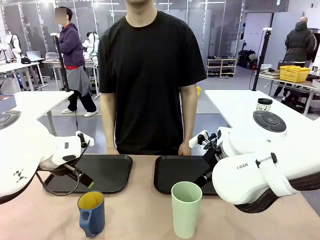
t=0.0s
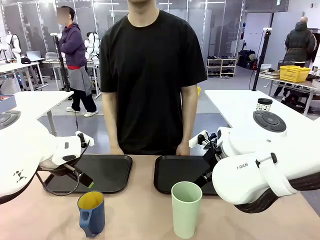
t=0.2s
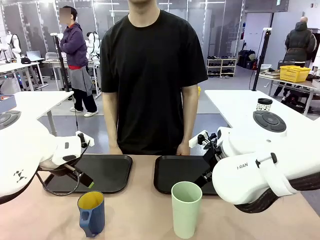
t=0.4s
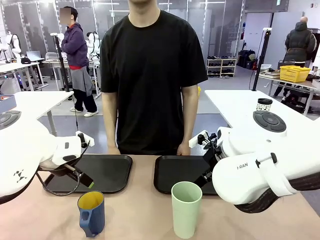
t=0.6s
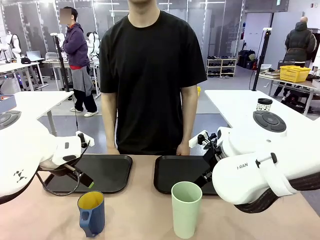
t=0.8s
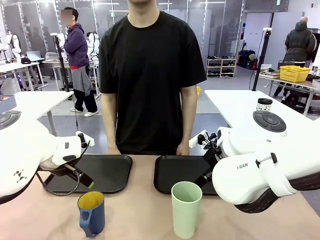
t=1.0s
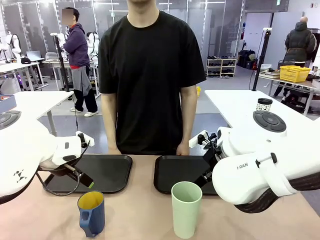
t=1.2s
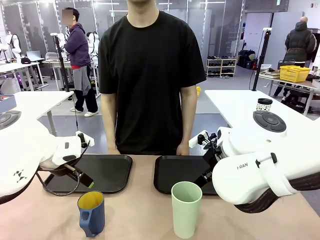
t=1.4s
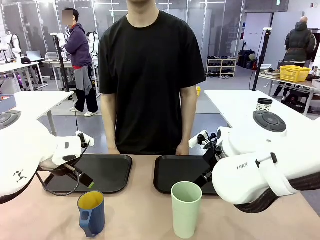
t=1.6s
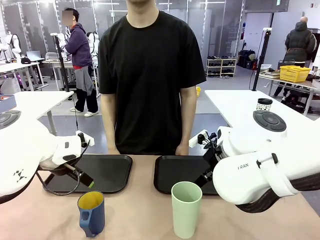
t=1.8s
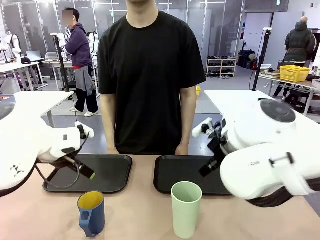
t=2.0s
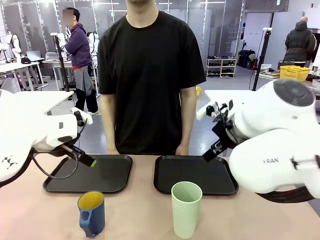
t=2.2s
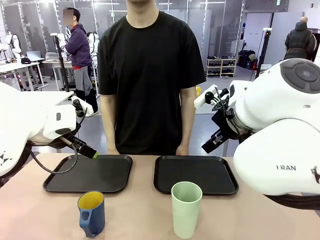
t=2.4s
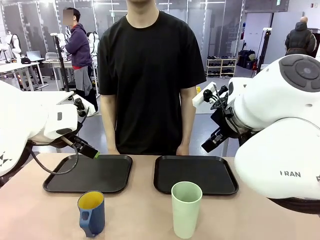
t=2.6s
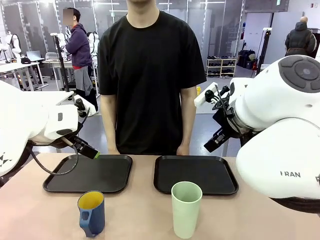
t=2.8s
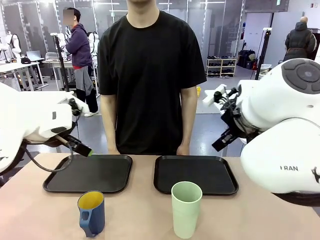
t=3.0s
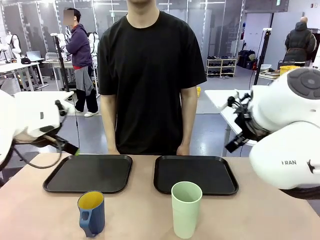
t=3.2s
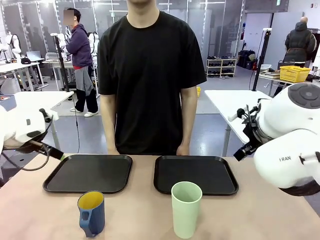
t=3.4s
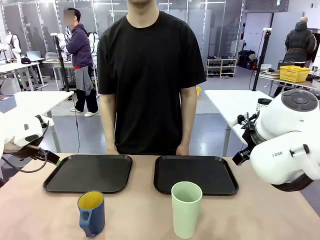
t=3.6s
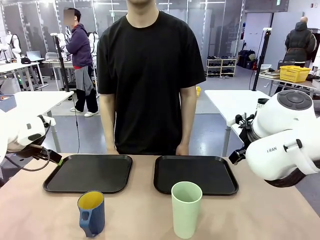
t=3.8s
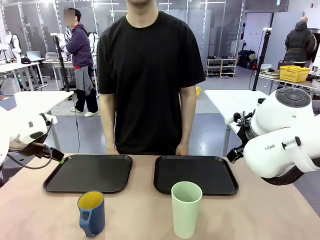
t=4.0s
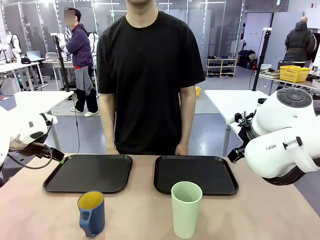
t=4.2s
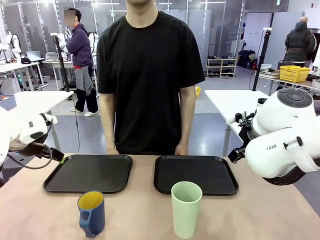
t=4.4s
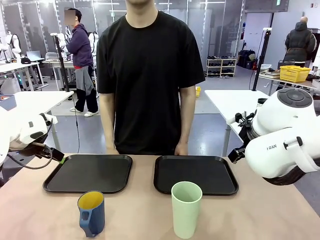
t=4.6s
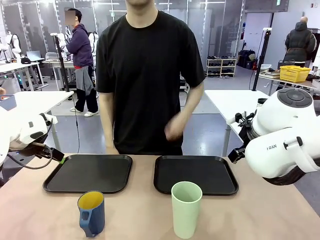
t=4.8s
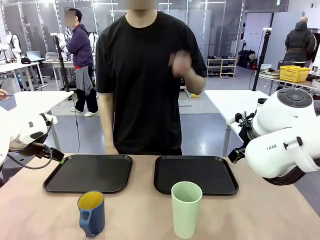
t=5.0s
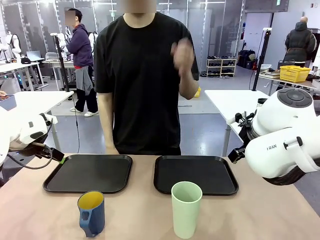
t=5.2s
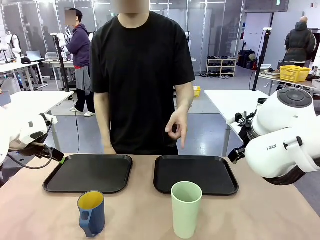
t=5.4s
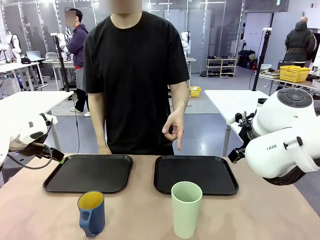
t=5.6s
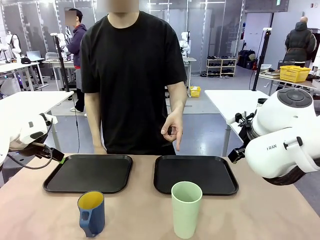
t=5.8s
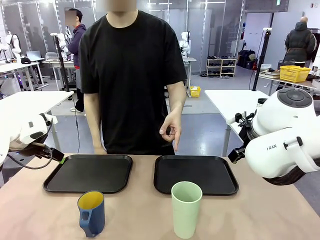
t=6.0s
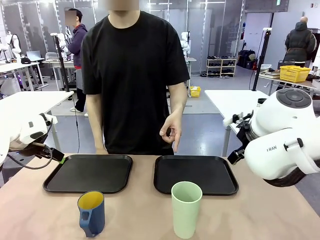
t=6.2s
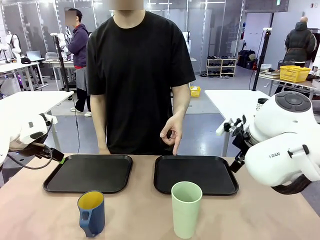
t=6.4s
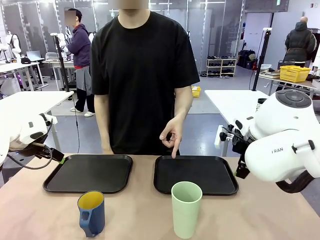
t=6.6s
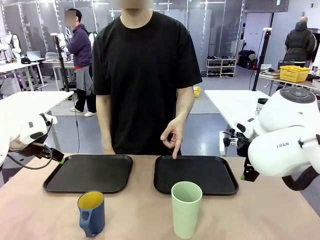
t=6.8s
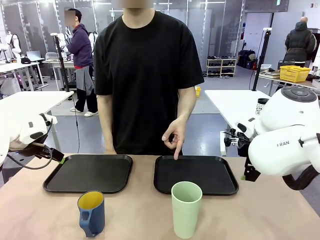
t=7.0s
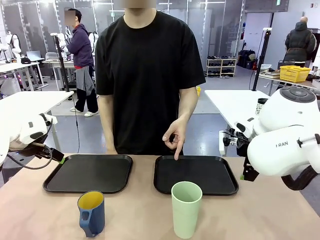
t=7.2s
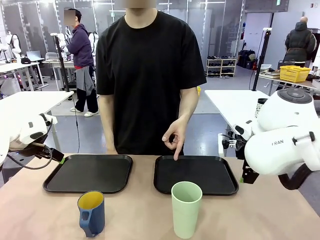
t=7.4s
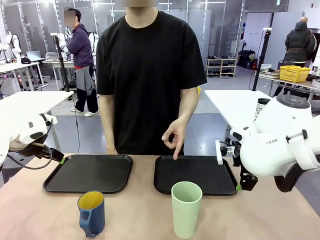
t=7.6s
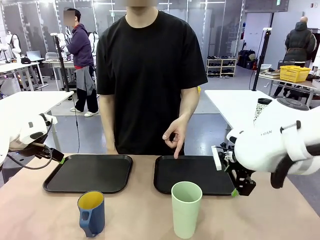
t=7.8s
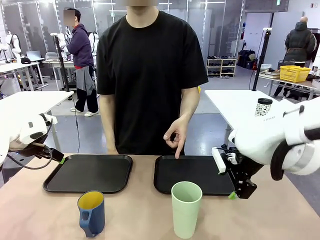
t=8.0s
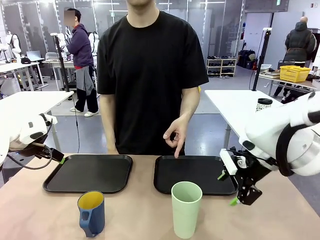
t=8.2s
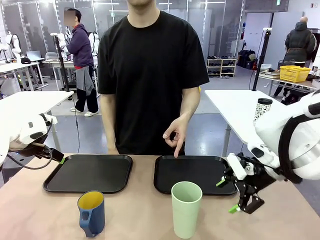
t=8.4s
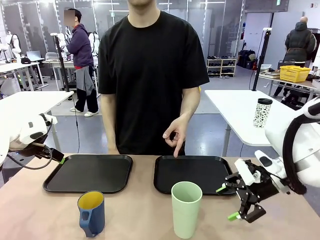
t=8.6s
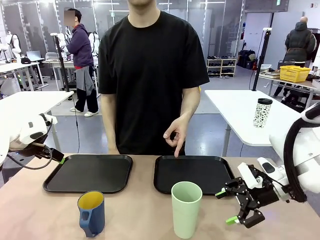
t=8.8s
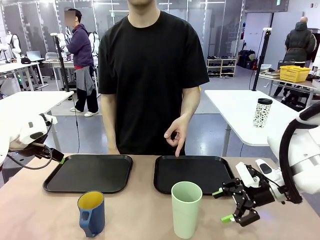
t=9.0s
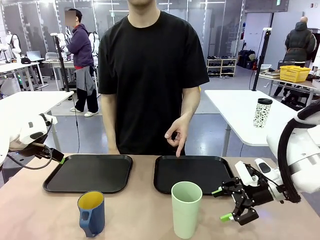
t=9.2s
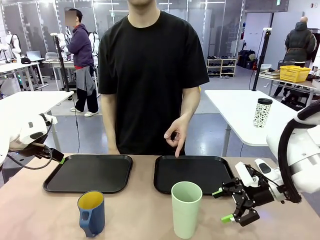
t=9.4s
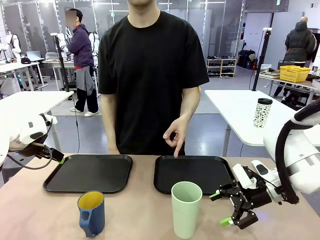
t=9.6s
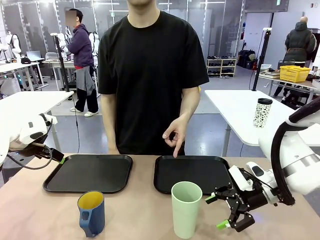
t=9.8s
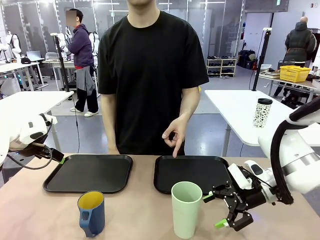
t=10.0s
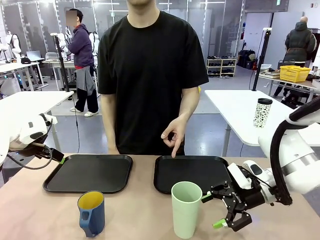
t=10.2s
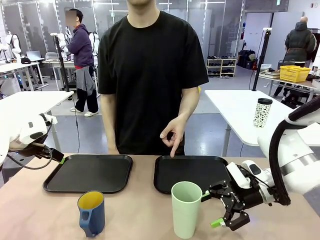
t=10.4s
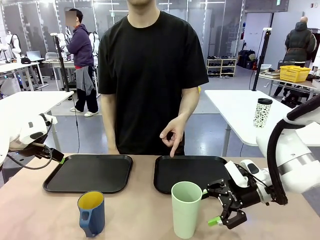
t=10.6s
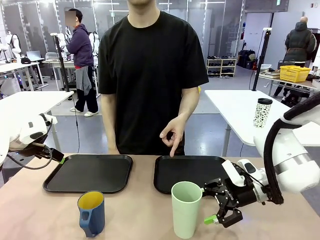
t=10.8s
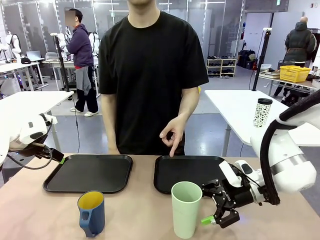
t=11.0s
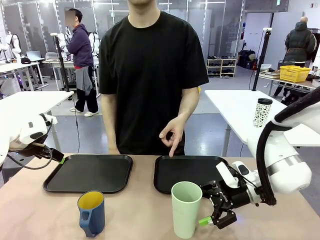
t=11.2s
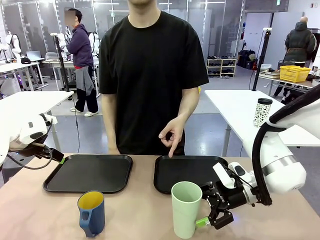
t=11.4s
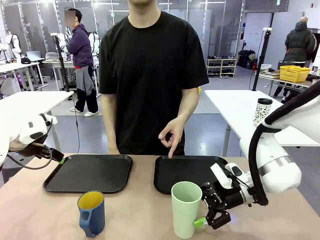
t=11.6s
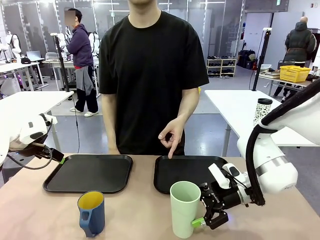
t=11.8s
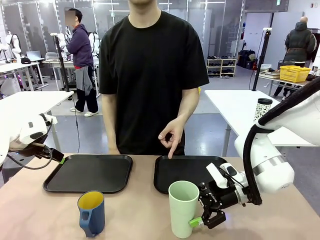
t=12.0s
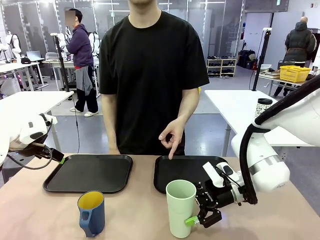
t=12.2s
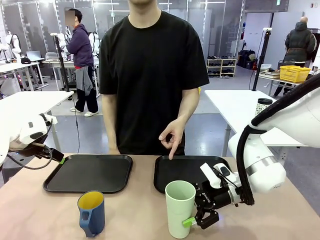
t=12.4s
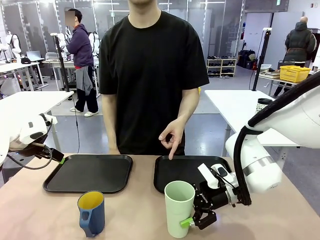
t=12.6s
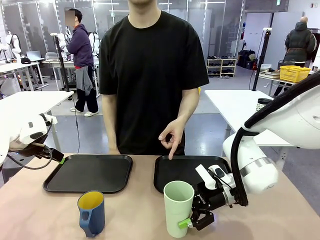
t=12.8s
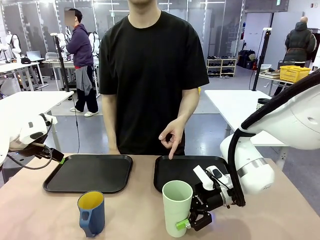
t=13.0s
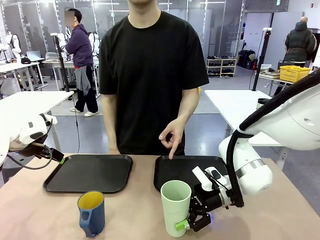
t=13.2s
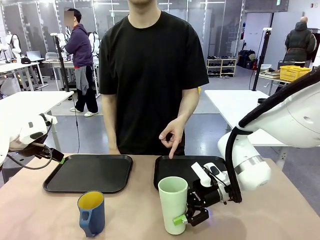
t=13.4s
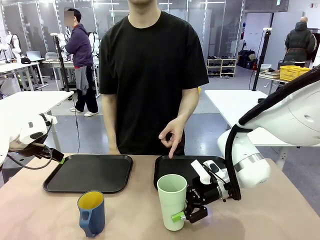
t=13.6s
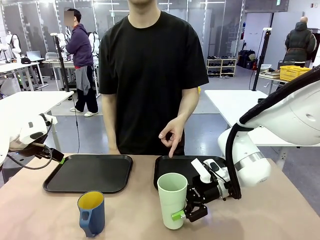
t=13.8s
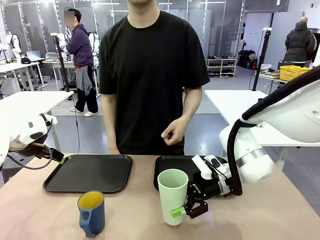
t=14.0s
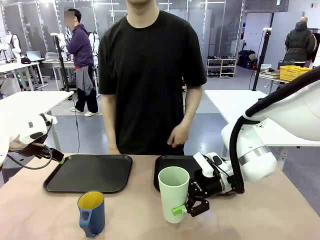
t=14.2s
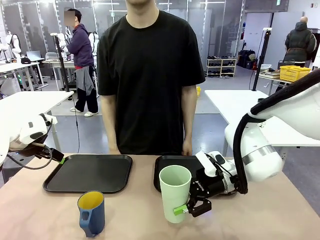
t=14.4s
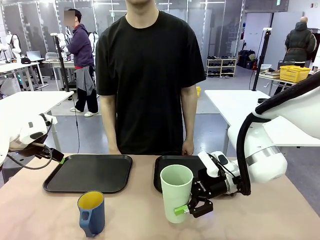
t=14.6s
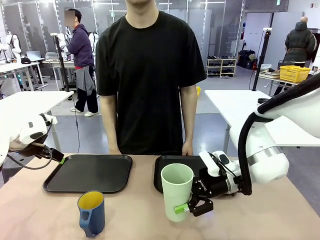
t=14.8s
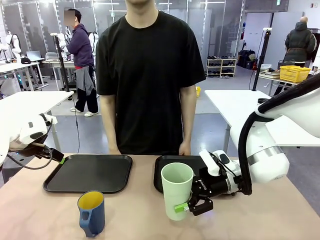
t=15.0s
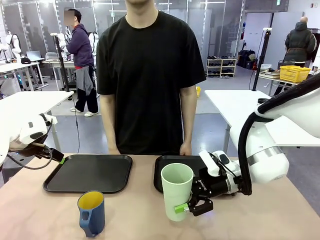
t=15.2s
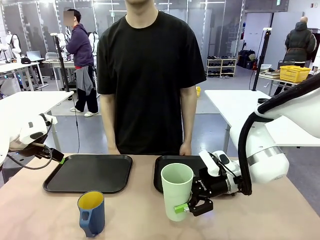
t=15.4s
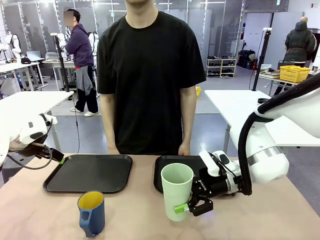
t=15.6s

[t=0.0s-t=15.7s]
Task: Sort and store the cups by type.
Robot: Pick up the Reusable plastic cup.
Person: Points to the reusable cup. Point to one of the two trays.

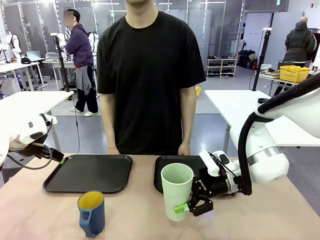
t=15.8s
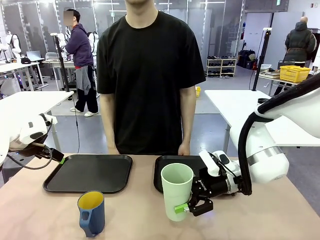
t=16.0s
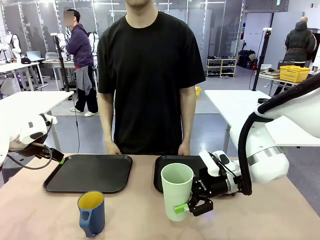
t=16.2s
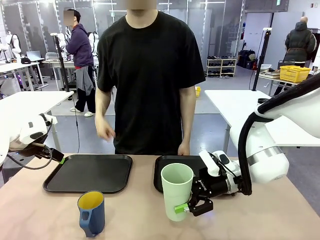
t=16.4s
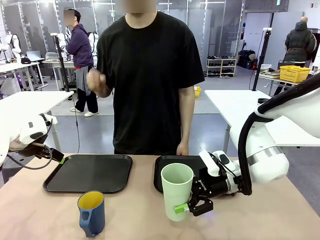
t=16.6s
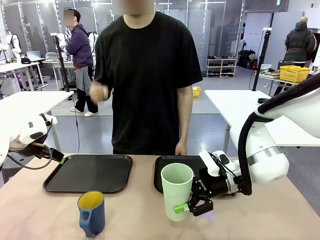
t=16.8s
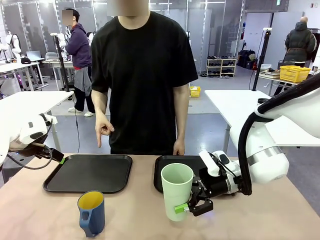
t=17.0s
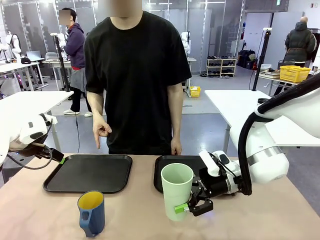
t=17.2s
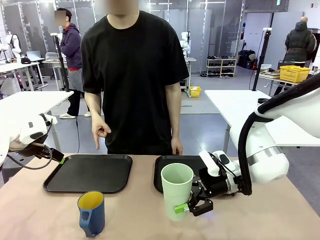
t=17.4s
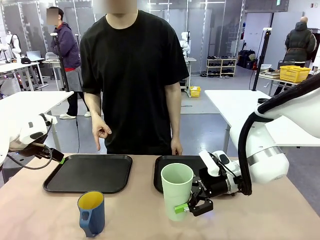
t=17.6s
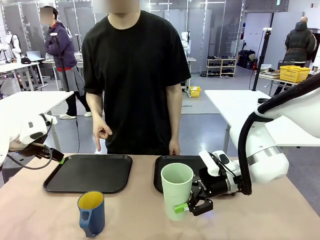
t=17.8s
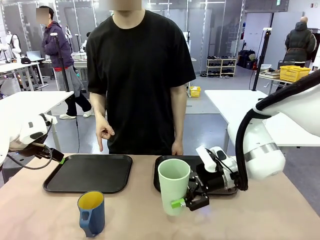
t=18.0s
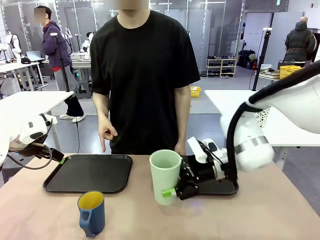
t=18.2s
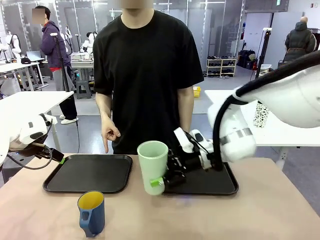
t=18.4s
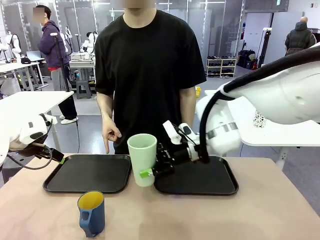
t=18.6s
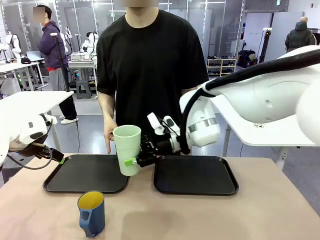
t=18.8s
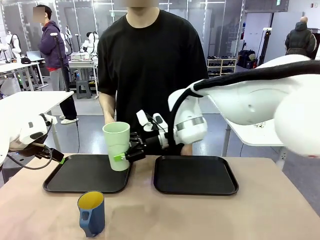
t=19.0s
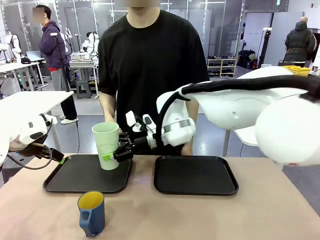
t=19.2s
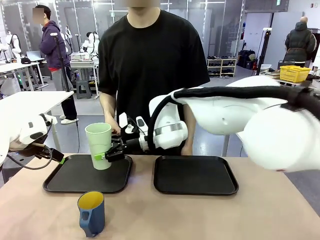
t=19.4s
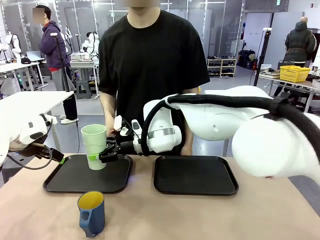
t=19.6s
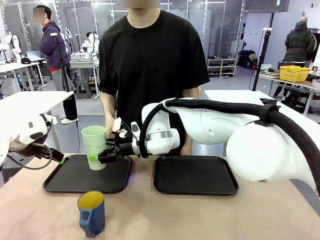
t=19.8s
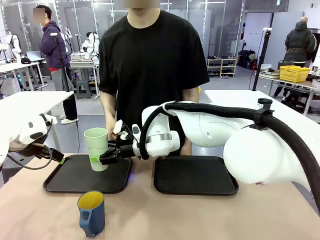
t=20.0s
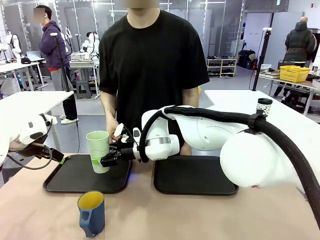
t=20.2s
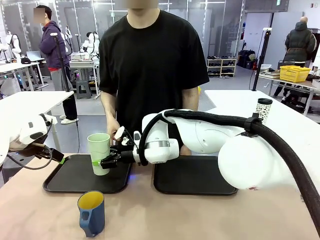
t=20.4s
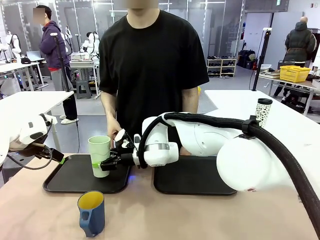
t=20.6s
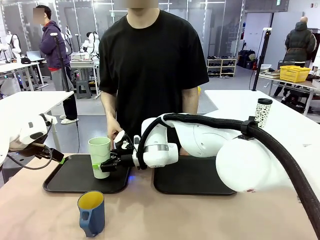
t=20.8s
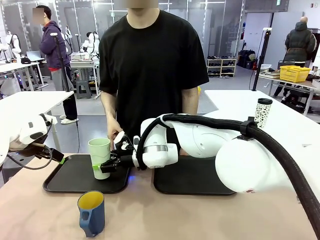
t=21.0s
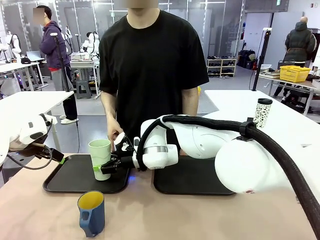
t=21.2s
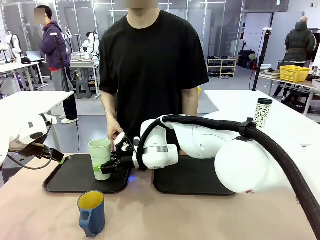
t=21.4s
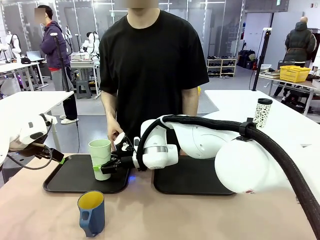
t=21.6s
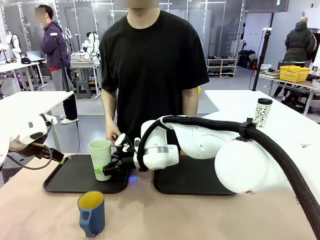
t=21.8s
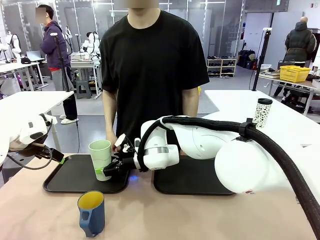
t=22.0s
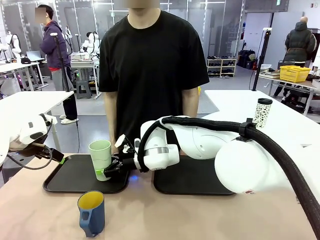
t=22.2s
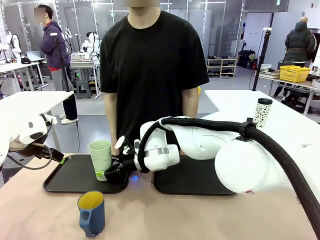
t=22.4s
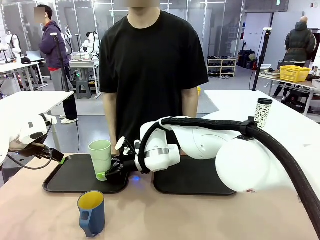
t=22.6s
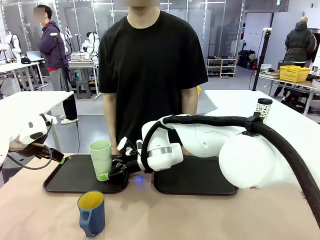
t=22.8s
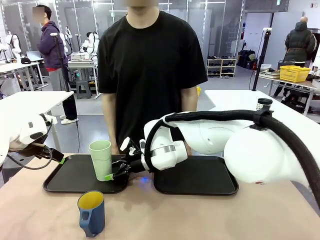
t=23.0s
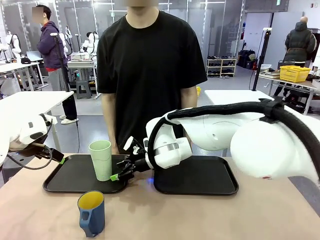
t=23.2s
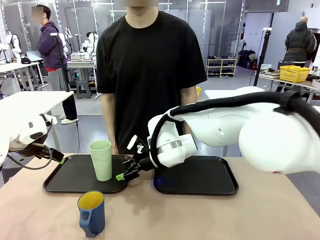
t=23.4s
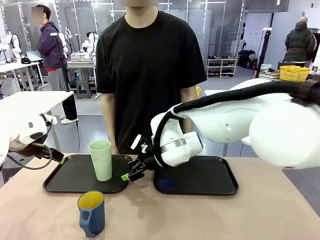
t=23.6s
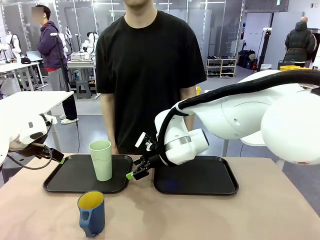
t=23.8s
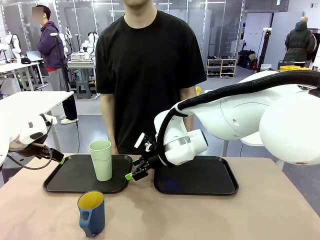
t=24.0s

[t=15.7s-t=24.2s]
Robot: Place the picked Reusable plastic cup into the Flat Tray indicated by the person.
